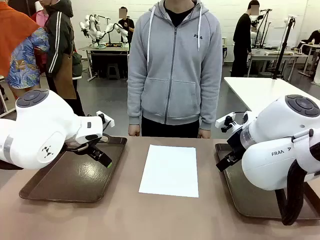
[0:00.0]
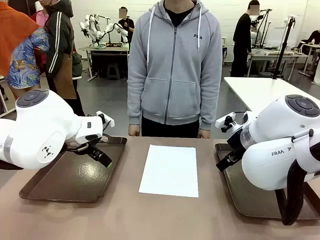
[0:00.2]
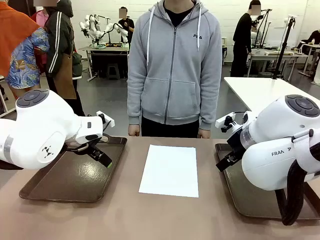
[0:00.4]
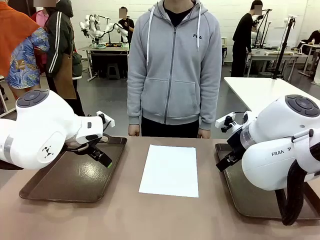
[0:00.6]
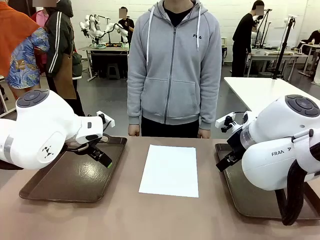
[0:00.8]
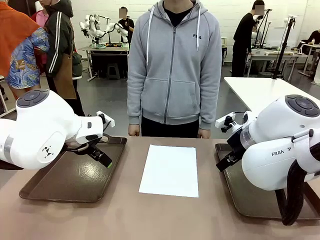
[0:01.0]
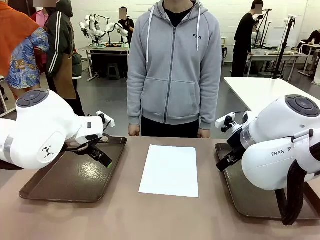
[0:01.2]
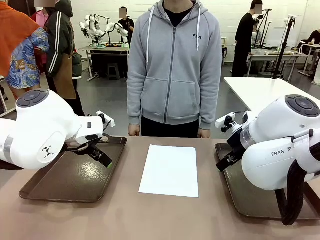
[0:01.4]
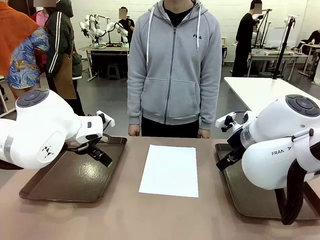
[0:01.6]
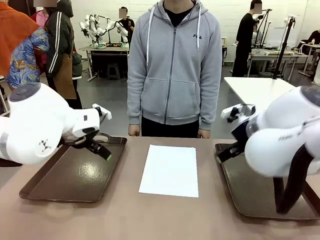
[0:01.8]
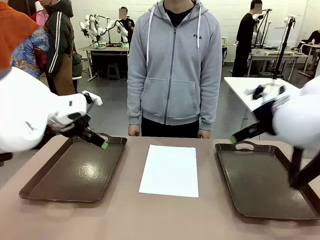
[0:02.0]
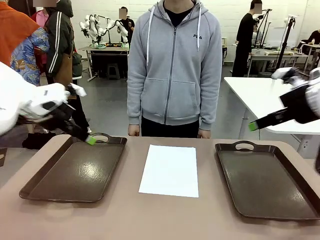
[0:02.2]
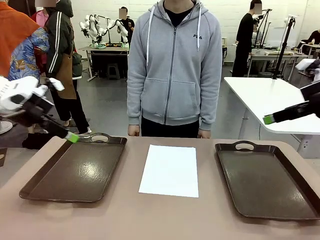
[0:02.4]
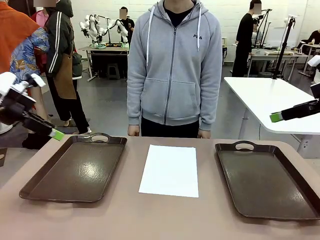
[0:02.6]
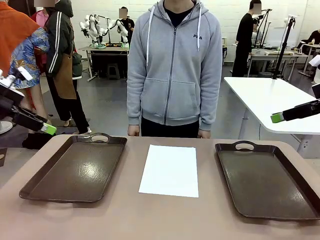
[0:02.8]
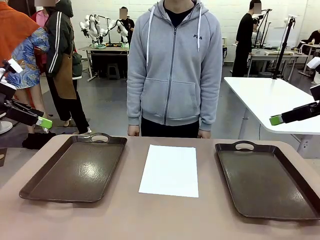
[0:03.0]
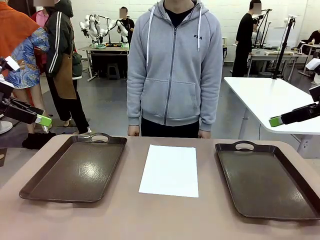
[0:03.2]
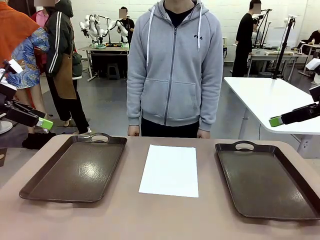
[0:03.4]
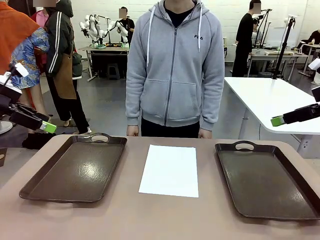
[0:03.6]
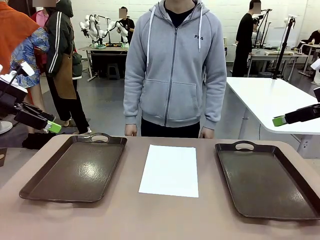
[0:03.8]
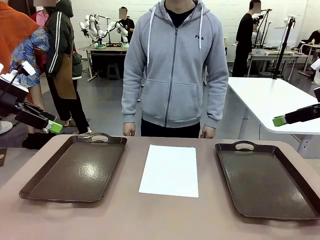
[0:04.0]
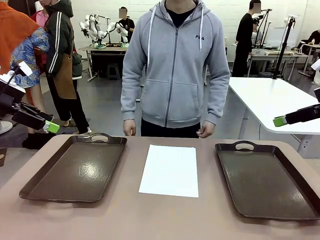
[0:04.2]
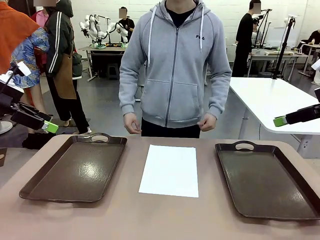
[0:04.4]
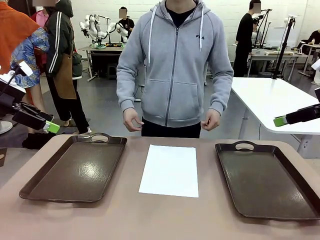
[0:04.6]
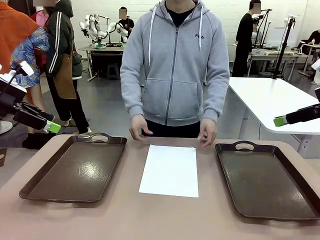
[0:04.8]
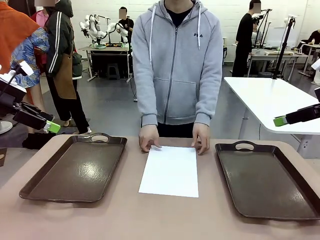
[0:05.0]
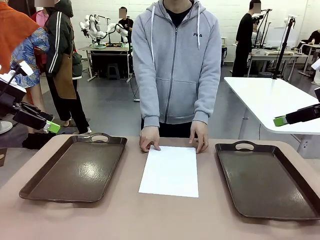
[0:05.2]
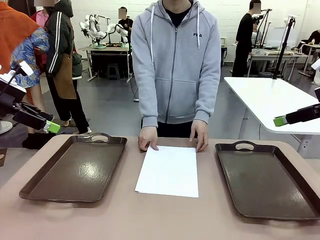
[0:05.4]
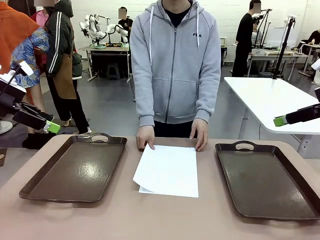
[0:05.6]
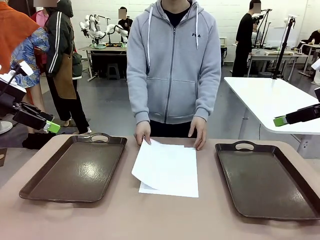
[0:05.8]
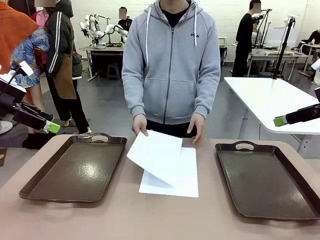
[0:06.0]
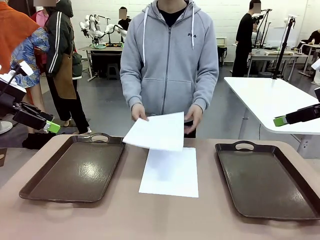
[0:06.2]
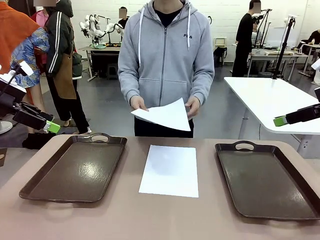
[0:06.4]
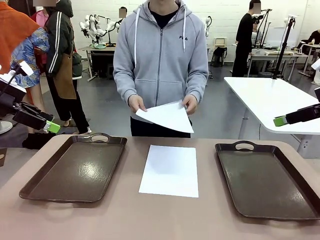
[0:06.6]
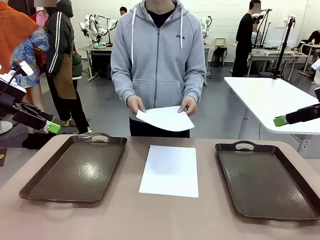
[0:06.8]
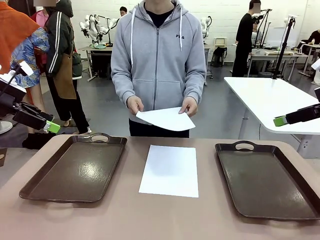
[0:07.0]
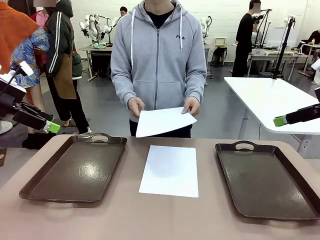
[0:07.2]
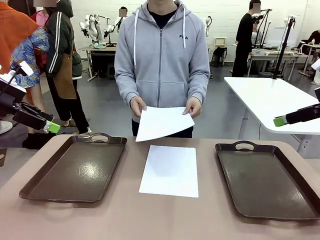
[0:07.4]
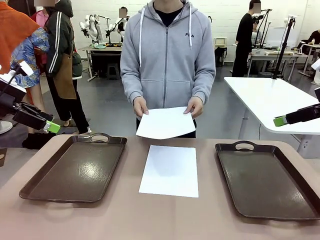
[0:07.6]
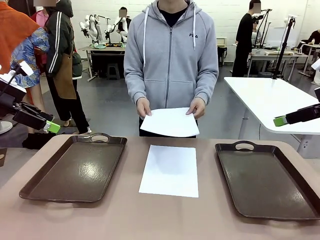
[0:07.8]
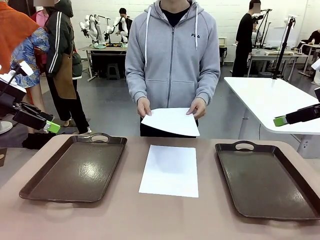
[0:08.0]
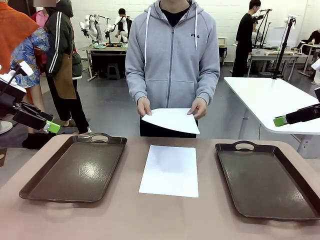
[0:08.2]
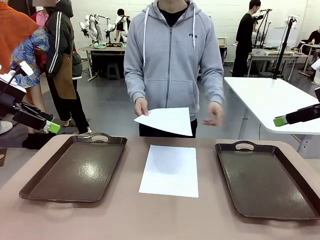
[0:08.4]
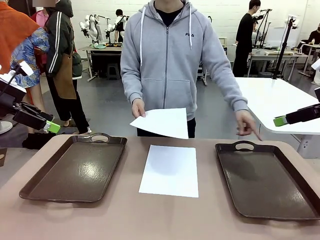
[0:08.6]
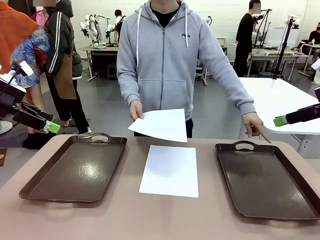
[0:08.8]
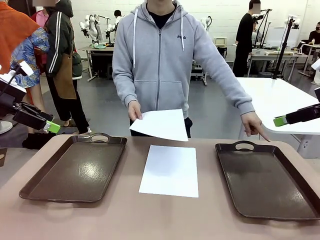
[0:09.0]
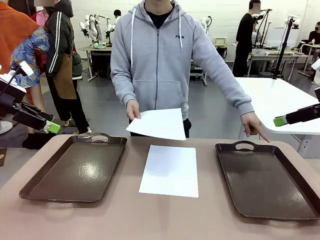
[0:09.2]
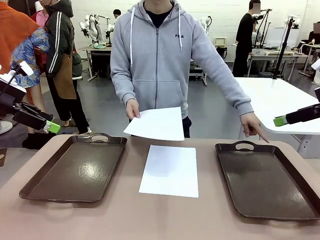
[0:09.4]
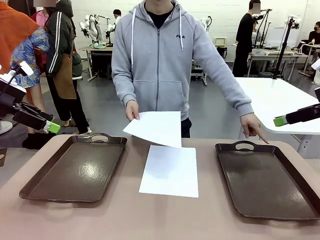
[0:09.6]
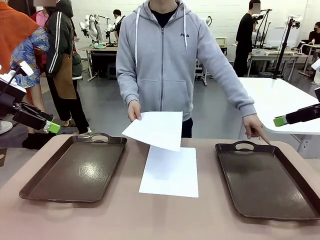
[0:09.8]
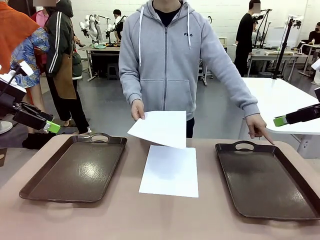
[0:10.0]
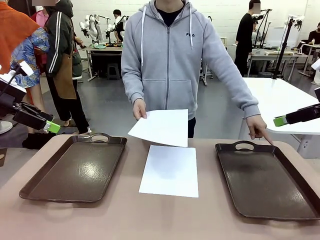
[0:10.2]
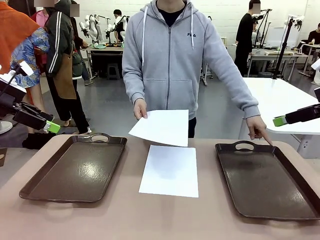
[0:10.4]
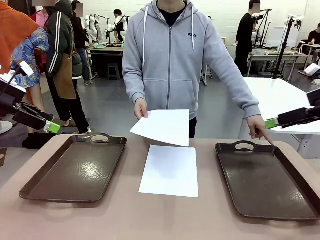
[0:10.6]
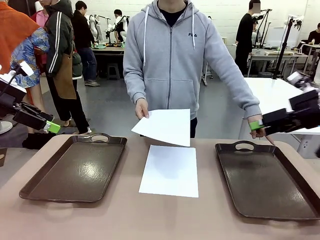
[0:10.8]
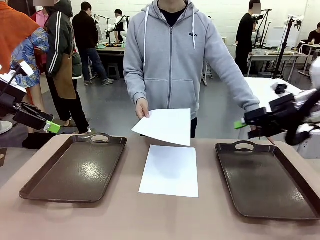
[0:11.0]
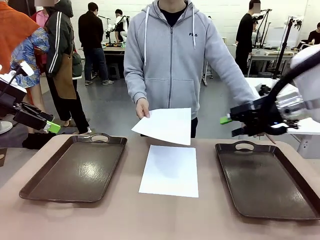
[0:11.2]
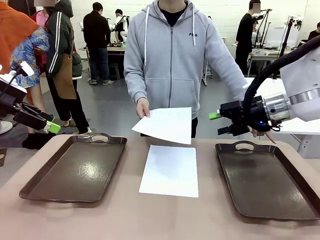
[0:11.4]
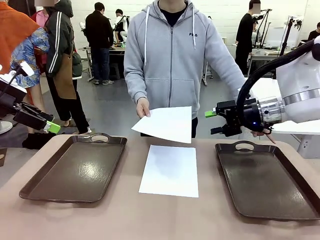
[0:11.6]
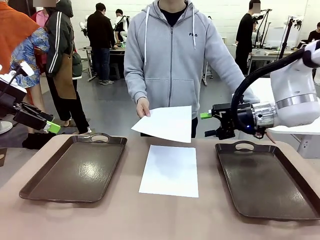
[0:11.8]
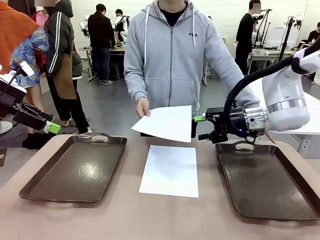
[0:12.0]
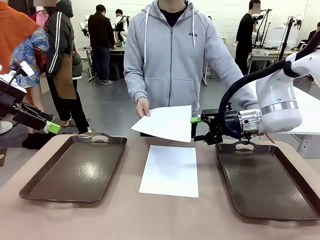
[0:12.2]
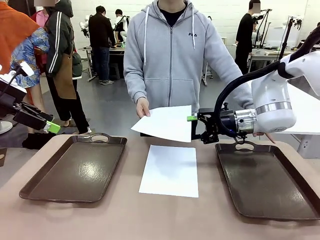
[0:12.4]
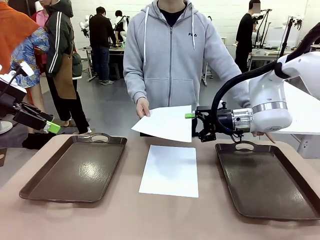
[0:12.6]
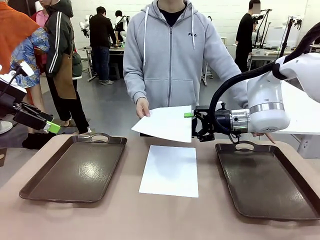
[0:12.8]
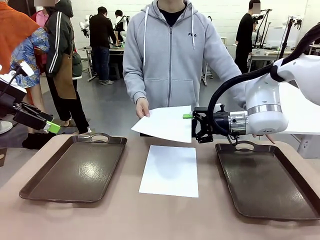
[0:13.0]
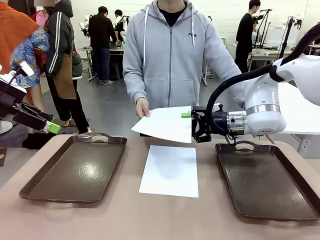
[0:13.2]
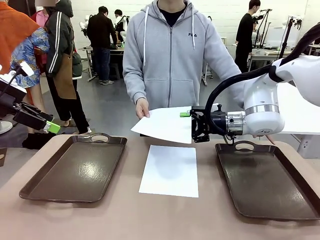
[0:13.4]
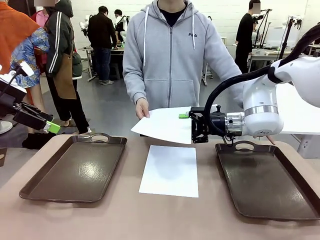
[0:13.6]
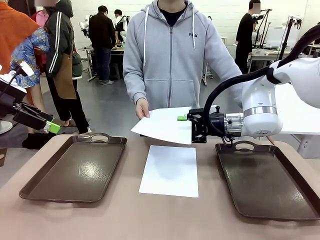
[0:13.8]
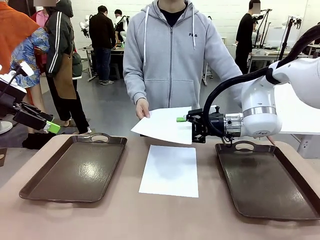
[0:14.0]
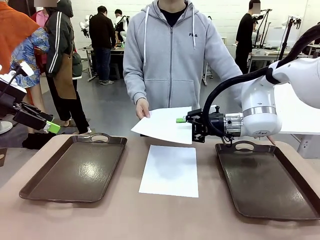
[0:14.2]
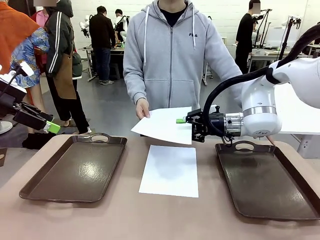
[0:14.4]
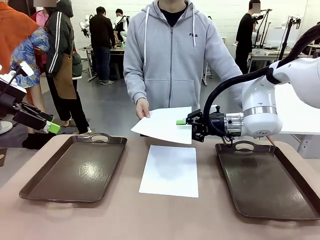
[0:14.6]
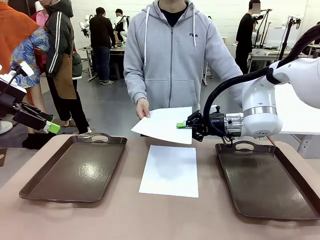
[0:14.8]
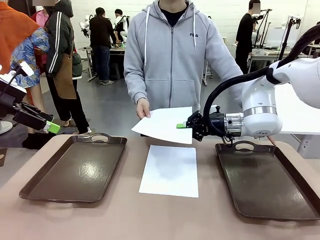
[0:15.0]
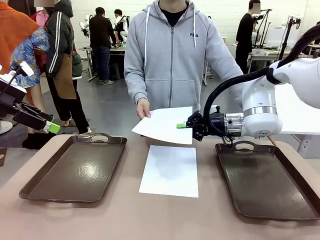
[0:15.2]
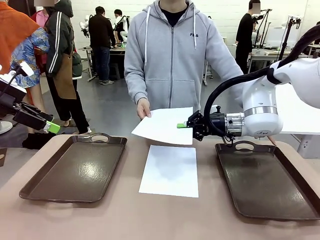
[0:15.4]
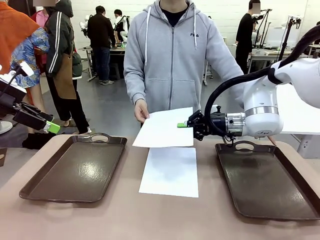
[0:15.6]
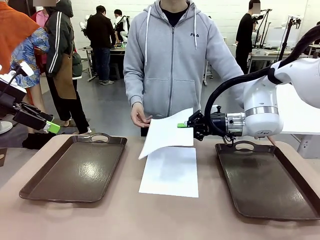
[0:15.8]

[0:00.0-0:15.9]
Task: Sort the A4 documents.
Robot: Receive the A4 Paper.
Person: Pick up a sheet of paper from the center of the table and hand it to the robot. Point the randomly selected tray with the other hand.

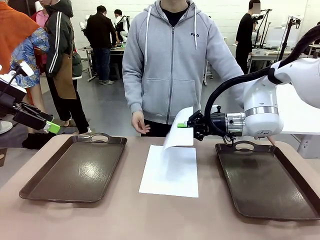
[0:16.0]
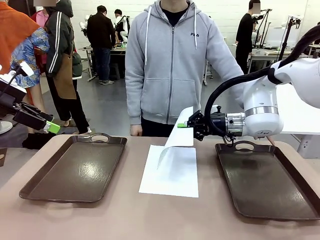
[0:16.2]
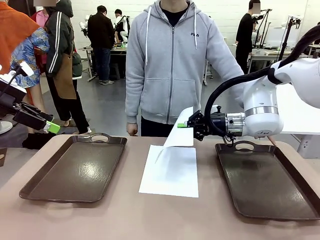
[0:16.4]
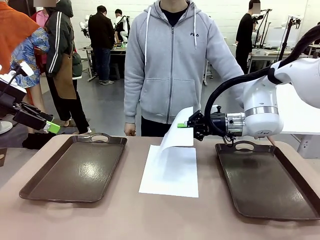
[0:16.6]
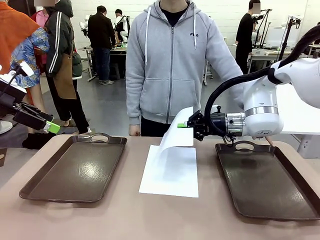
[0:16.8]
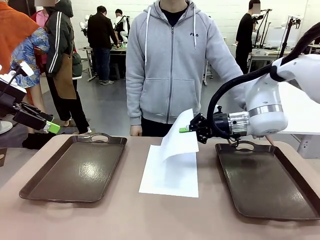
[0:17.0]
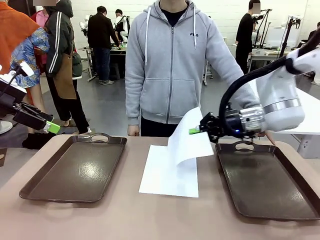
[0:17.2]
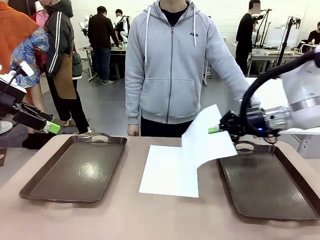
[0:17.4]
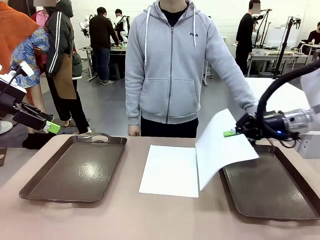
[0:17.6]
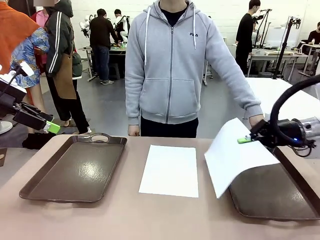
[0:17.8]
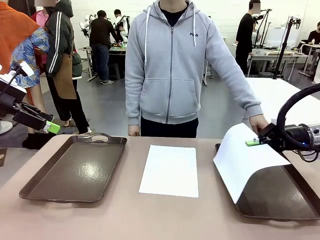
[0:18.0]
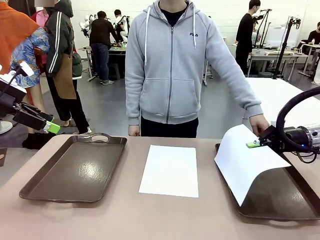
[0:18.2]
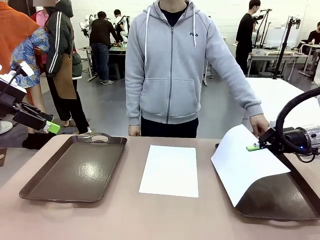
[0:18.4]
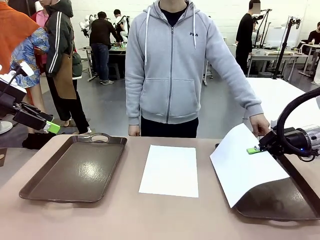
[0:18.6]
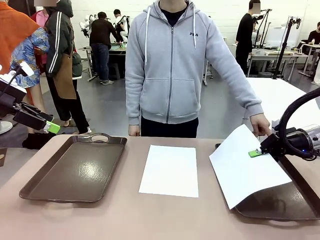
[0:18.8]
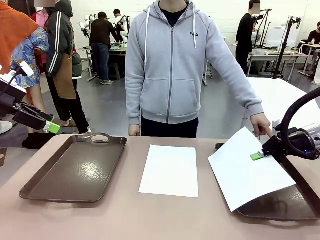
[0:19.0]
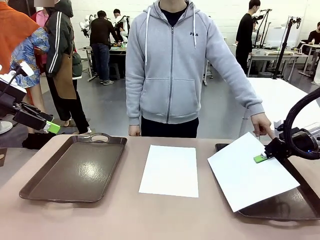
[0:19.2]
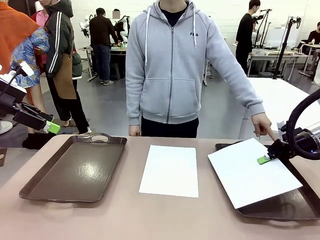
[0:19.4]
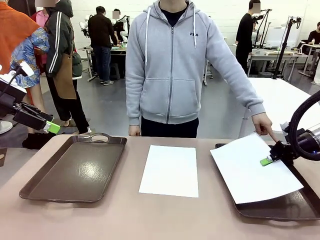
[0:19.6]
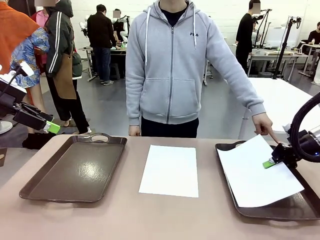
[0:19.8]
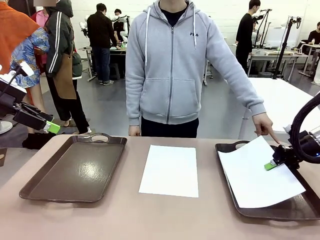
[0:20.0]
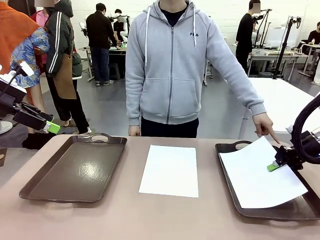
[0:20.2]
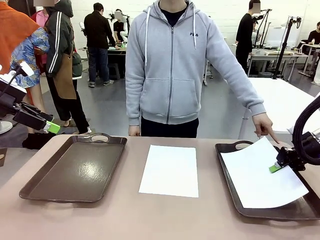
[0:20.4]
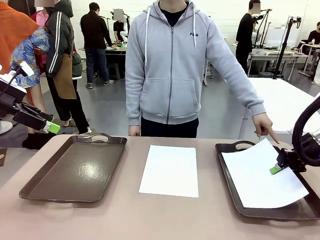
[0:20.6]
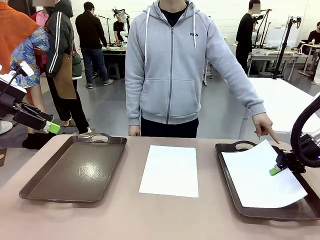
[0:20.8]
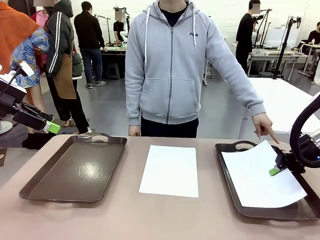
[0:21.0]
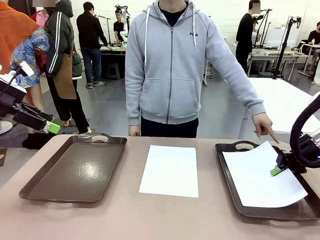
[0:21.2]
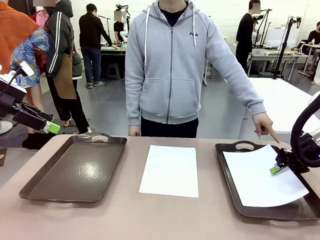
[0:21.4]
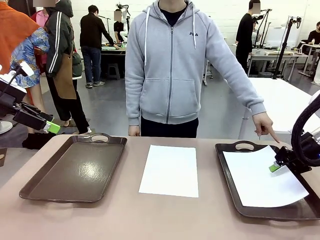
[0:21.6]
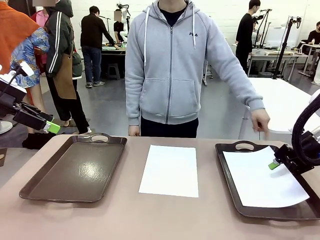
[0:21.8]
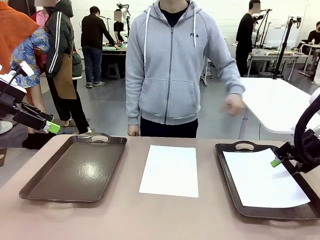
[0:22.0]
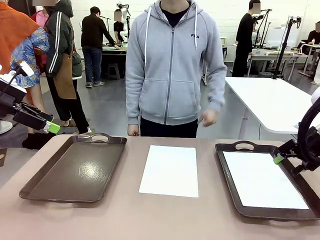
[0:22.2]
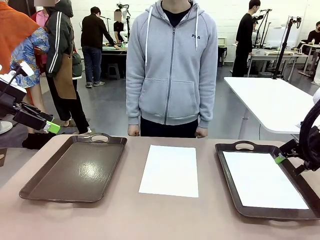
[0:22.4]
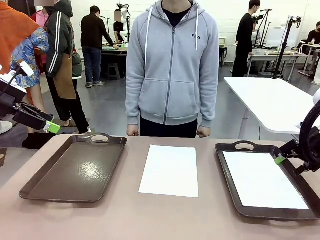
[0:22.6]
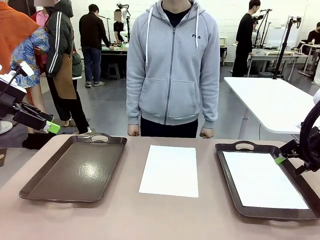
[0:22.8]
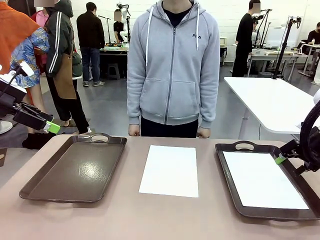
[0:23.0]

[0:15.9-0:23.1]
Robot: Place the A4 Paper in the designated Handle tray.
